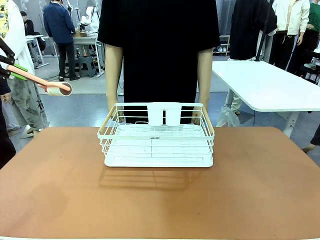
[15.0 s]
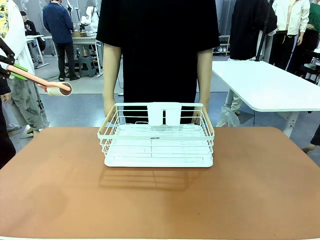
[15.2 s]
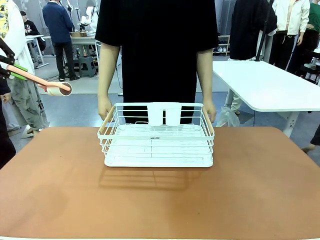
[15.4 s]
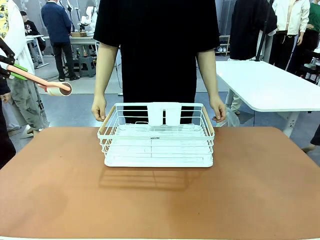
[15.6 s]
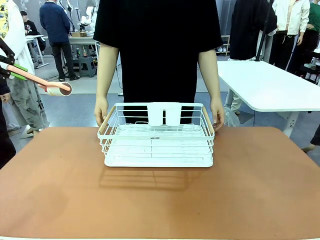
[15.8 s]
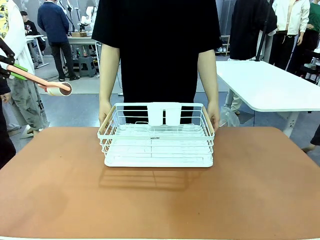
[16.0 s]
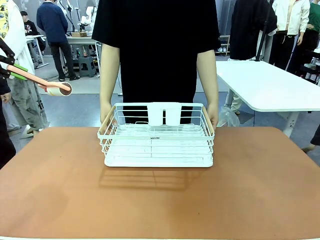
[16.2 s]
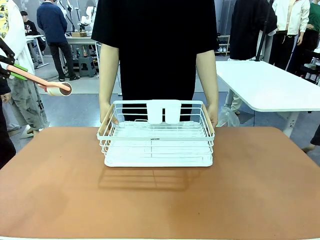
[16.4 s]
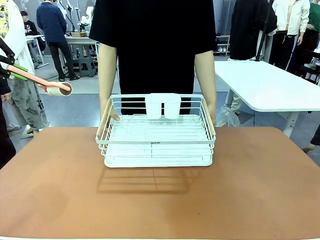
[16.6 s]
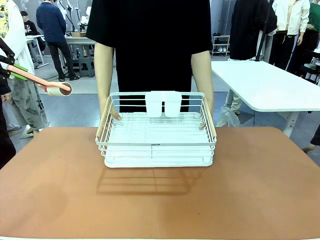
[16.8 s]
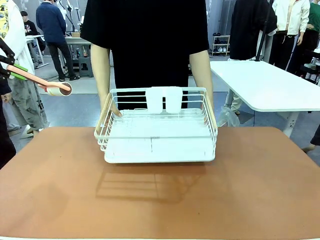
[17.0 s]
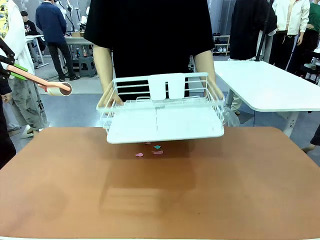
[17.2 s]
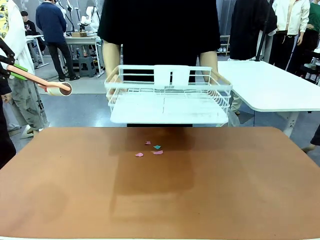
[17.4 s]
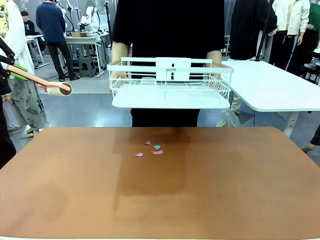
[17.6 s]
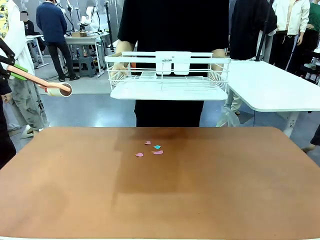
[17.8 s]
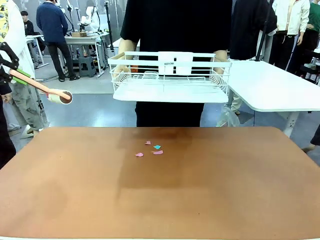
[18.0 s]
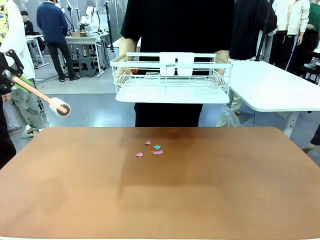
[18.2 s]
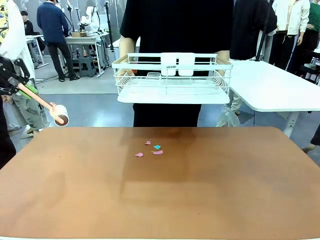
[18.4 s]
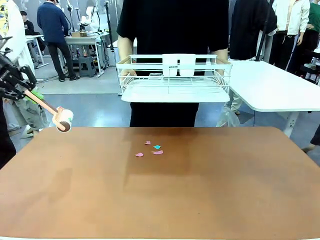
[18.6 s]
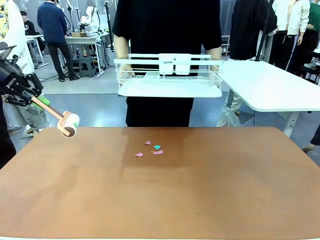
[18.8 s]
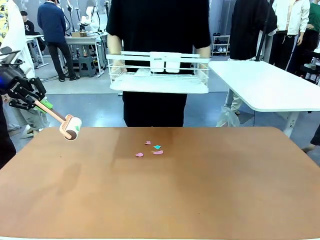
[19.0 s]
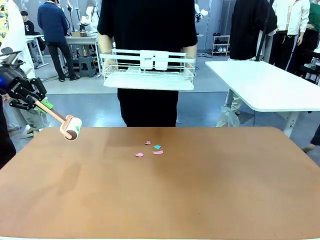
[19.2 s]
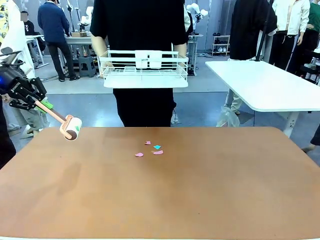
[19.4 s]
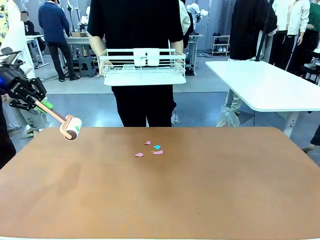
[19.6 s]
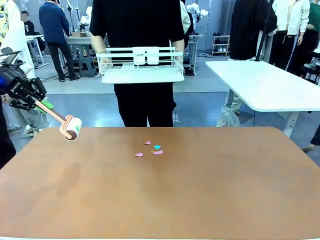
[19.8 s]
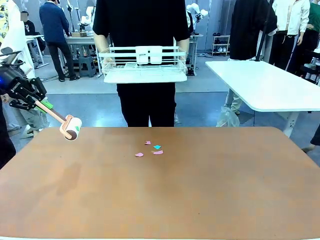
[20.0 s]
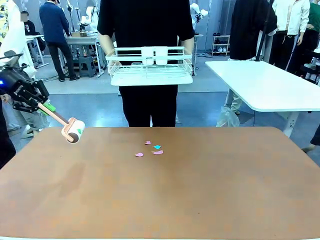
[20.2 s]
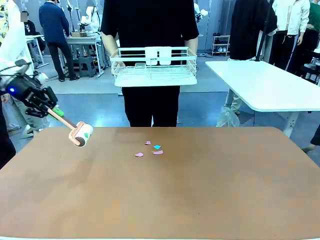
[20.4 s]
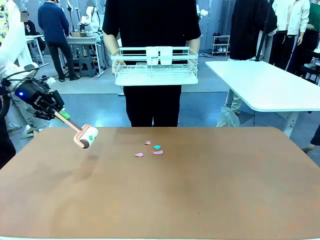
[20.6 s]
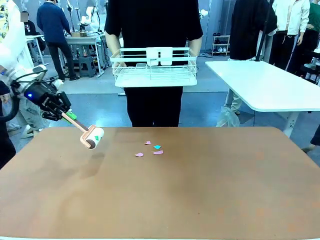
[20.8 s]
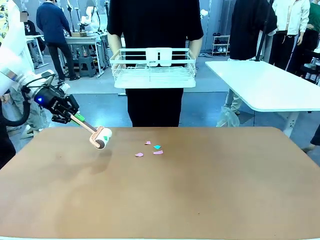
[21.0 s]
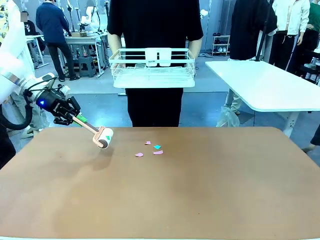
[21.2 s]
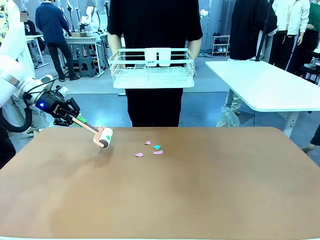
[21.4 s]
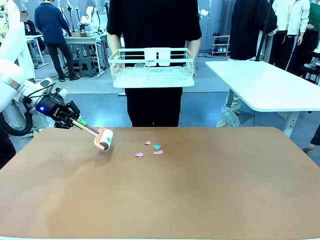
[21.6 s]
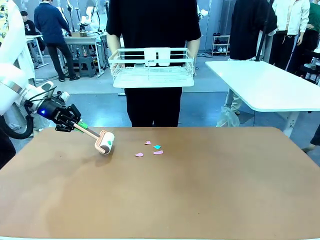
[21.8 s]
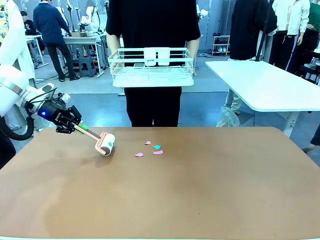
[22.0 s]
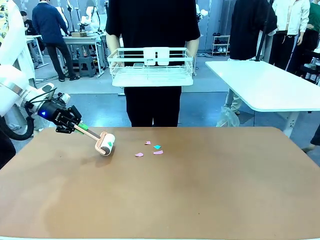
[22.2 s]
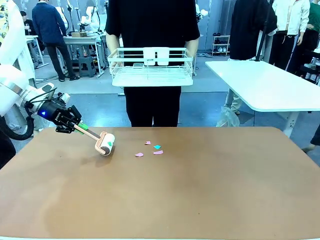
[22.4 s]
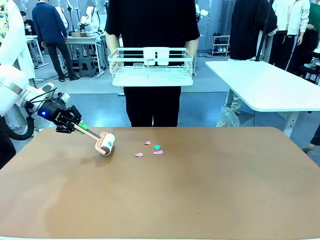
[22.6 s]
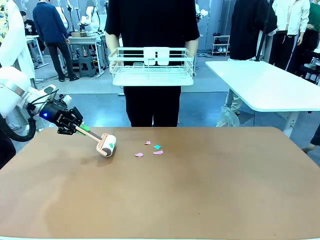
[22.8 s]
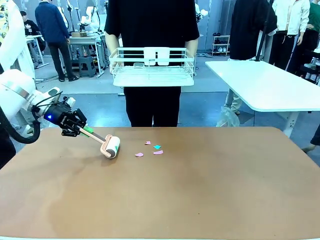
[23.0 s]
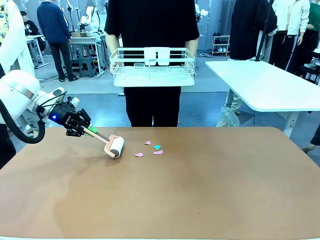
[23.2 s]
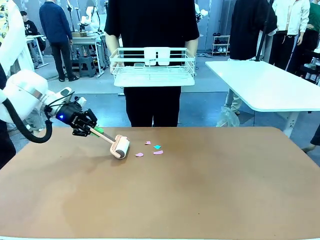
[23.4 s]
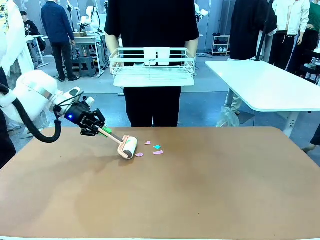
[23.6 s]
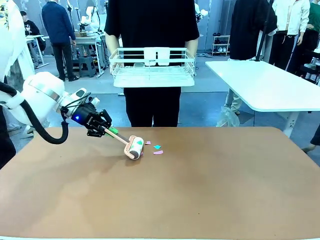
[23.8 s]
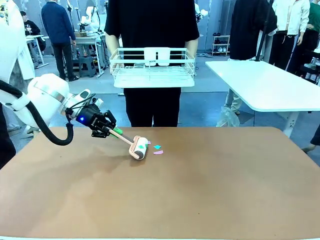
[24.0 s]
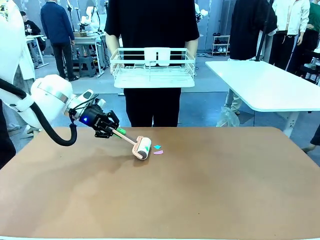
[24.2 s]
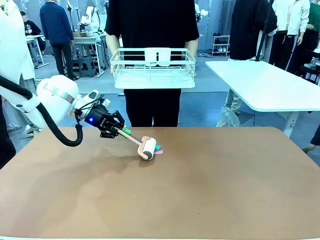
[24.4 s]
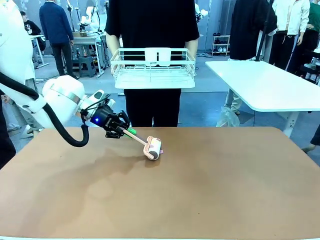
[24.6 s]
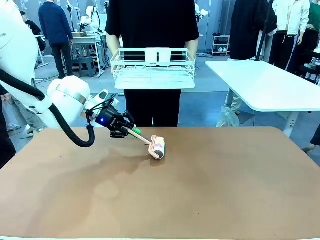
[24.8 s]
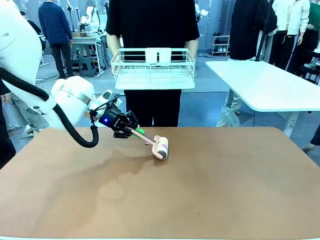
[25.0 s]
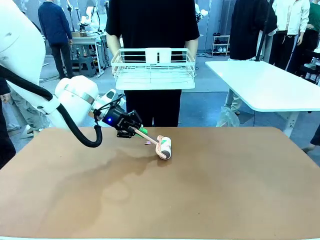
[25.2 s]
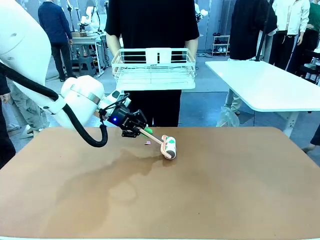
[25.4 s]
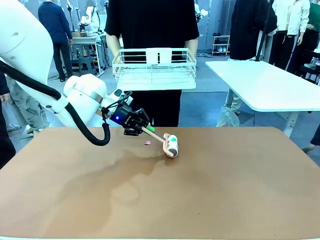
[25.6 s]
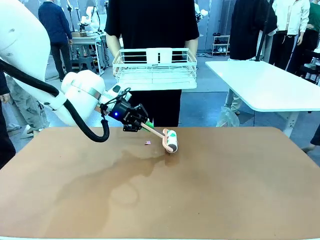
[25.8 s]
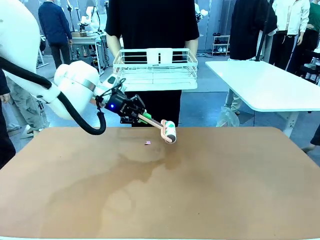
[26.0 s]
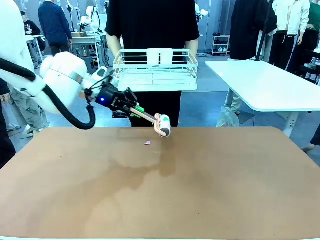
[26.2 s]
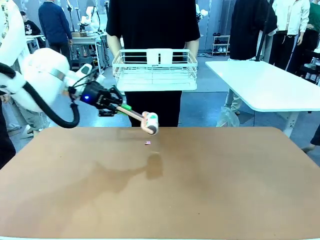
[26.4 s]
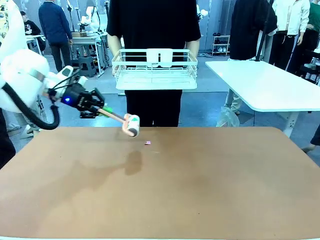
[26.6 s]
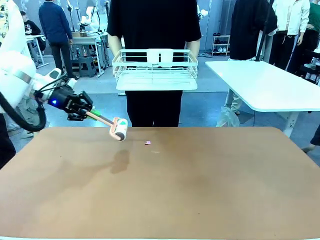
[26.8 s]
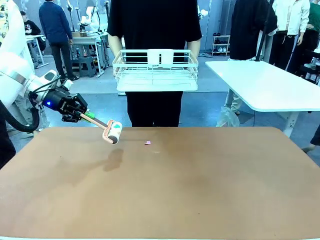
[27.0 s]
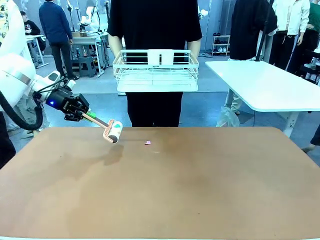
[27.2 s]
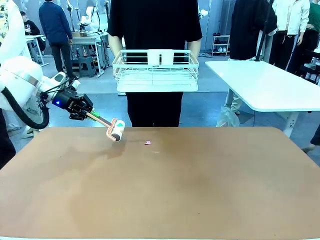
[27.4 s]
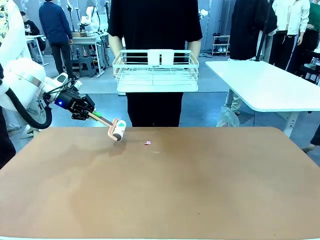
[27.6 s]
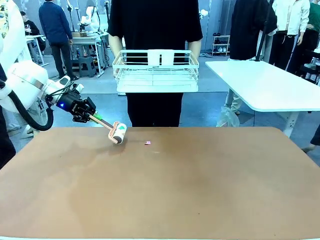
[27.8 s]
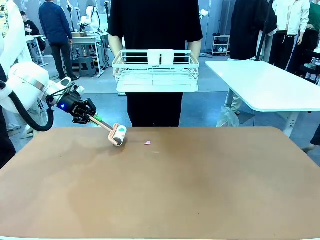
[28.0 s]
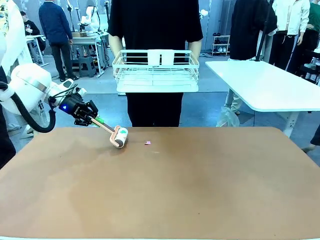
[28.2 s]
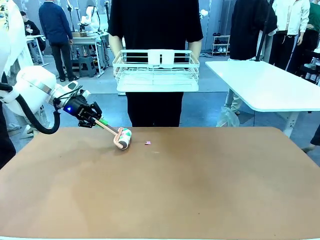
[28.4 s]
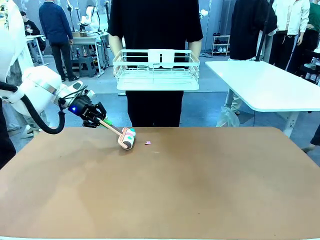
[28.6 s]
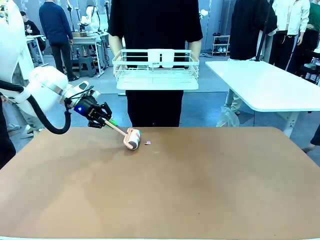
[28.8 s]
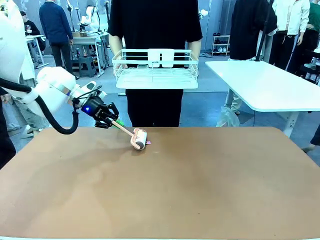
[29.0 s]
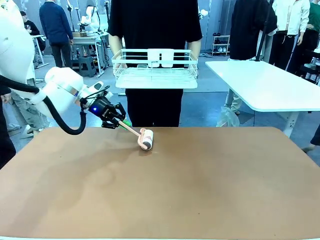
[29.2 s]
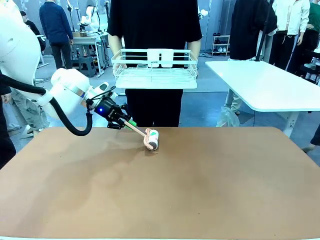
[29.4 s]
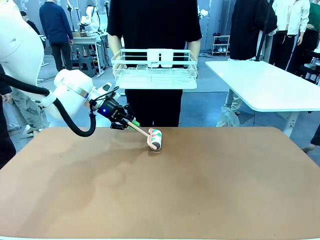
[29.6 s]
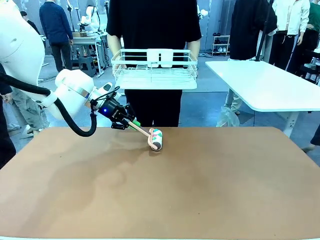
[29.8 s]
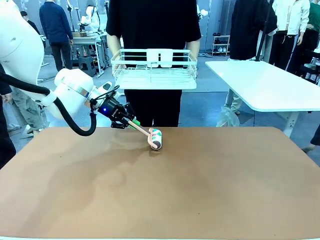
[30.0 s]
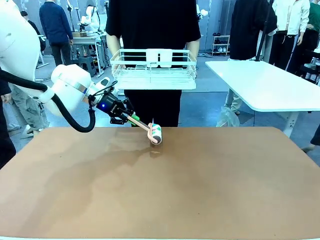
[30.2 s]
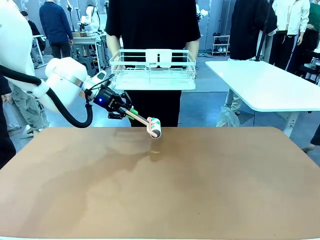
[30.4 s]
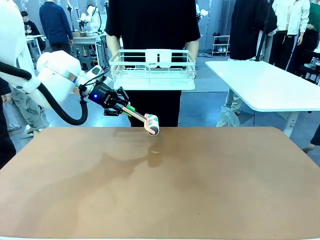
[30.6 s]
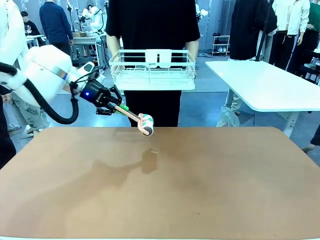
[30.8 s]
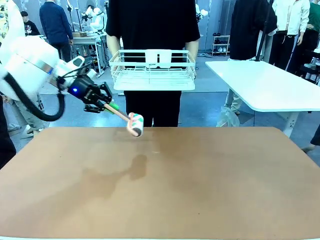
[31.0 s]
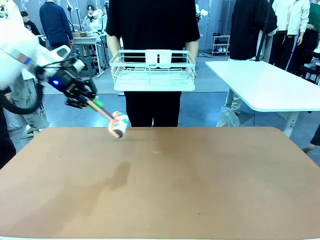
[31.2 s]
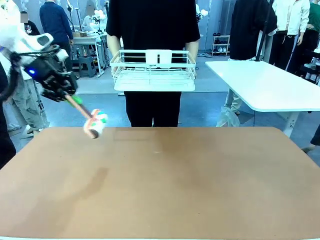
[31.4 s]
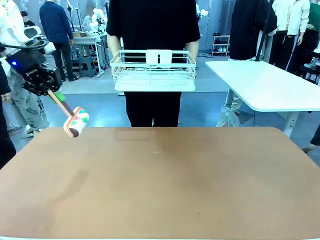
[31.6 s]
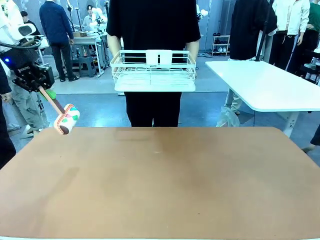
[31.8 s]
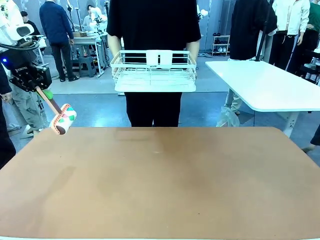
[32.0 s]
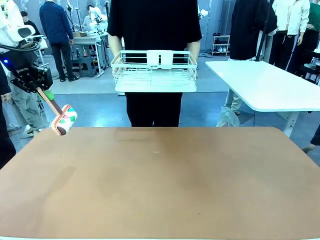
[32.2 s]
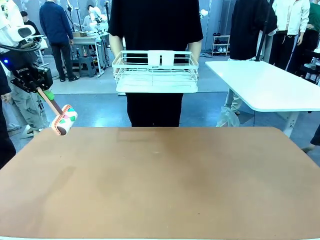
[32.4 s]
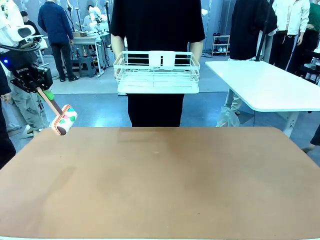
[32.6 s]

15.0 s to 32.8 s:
Task: Clean the table.
Robot: Clean the table with the Lint Roller when the human lifts the Dish drying rack.
Person: Place the Dish drying rack down when the robot finishes cleaning.
